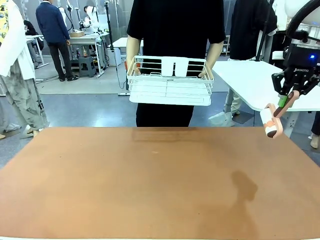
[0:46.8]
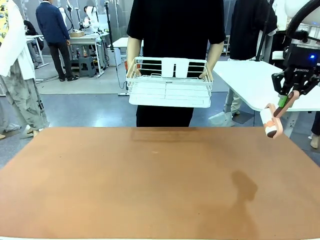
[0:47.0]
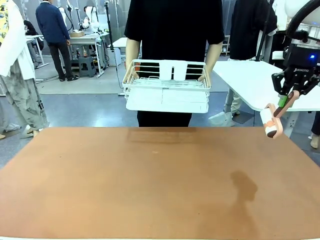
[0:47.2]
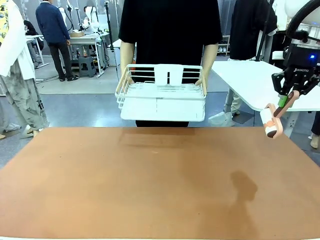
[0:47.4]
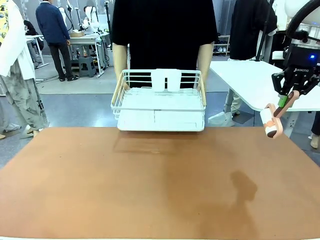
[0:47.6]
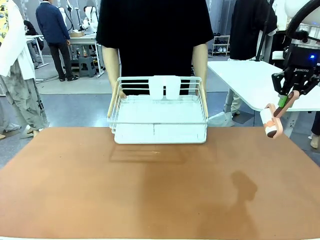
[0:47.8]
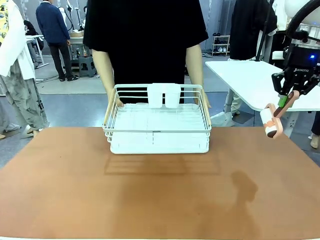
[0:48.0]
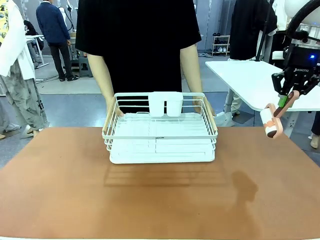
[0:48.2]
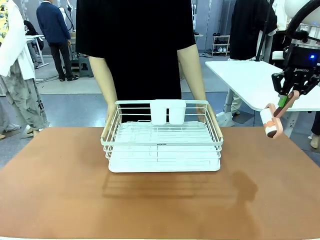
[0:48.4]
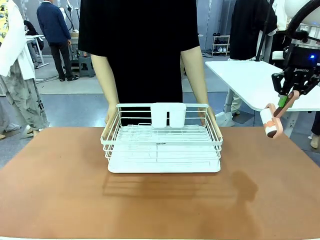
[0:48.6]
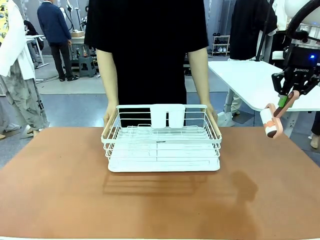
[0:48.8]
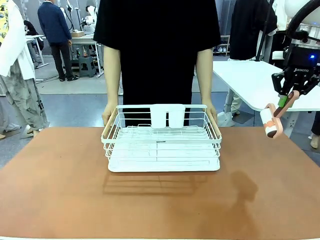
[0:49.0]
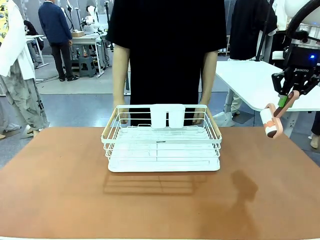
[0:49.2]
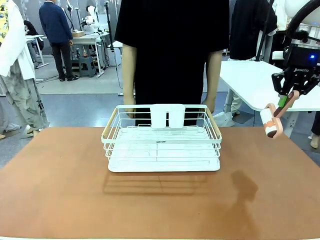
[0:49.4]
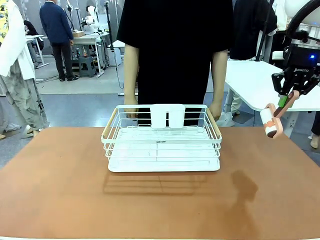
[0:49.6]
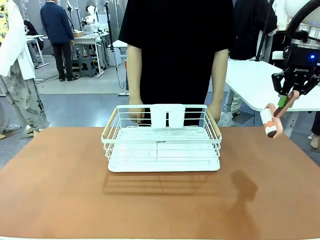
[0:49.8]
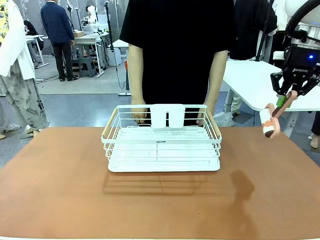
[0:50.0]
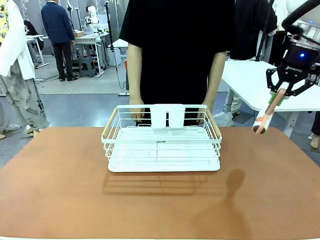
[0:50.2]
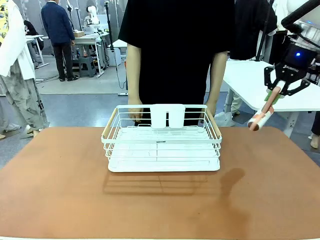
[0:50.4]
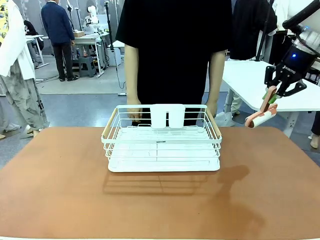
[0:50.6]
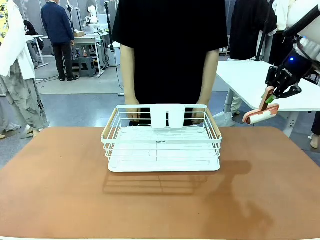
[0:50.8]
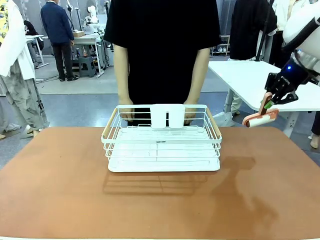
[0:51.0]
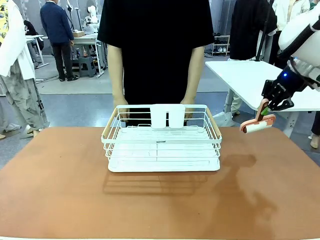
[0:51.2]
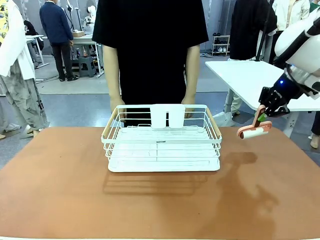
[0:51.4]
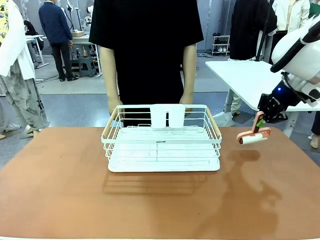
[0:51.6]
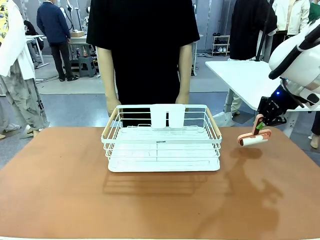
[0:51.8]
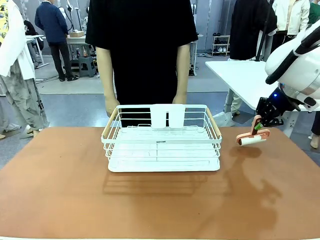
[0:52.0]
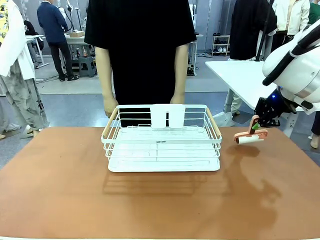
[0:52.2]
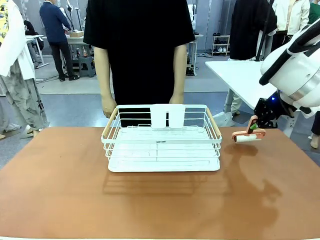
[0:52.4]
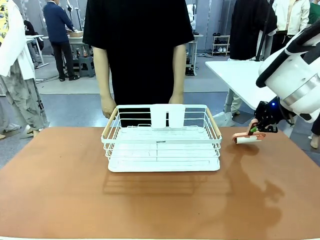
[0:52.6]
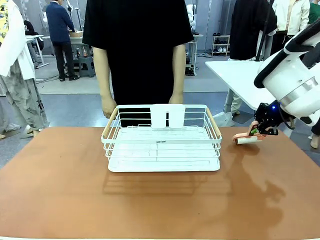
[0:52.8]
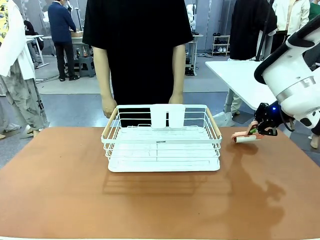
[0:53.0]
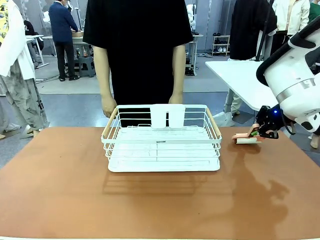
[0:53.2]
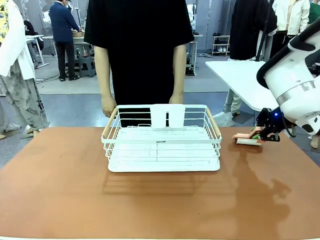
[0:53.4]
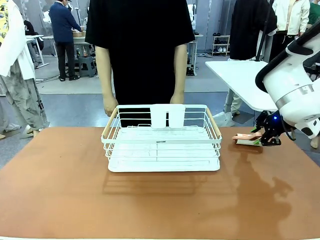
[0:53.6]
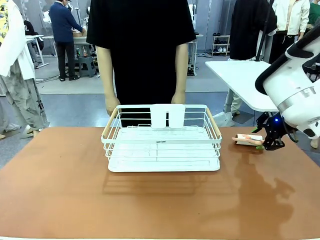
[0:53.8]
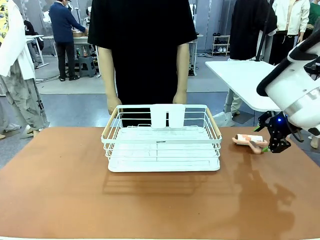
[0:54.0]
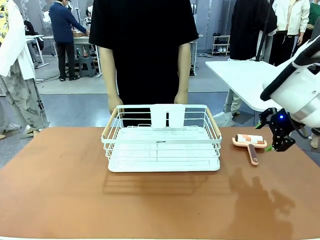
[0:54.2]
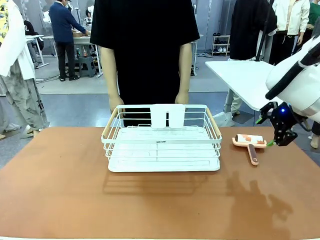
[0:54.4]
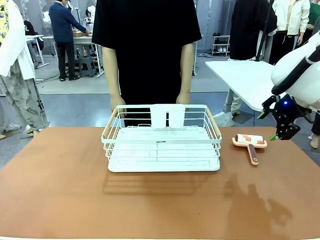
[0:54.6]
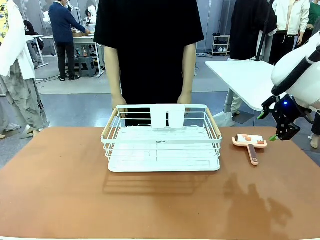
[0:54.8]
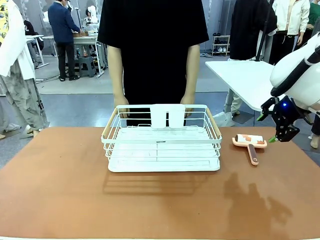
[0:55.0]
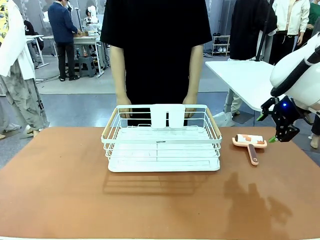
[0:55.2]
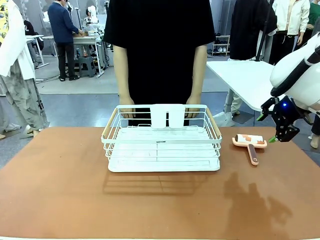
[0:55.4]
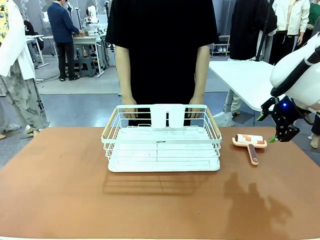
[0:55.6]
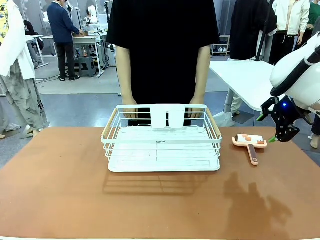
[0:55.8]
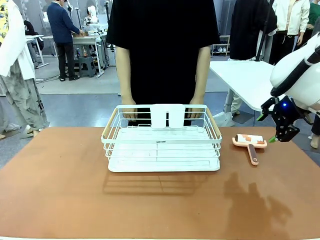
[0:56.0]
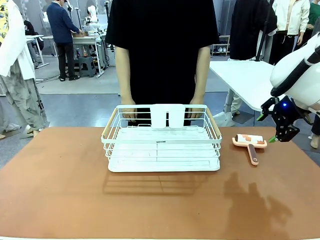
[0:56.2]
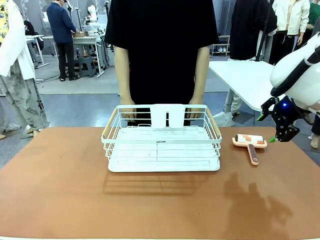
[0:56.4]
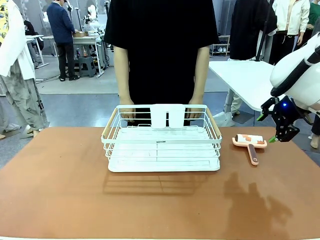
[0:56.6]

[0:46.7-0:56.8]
Task: Clean the table.
Robot: Place the Lint Roller down when the Dish drying rack is positioned in the middle of the table.

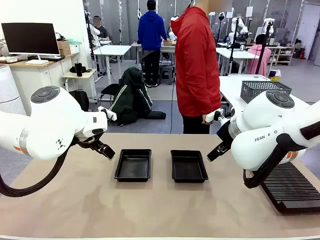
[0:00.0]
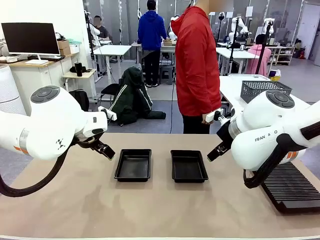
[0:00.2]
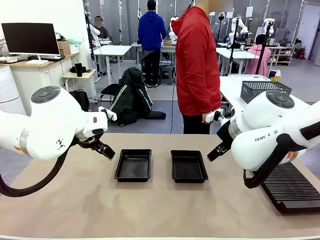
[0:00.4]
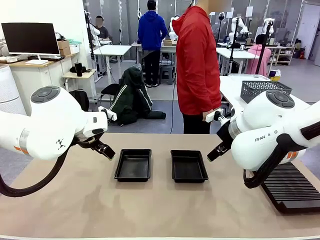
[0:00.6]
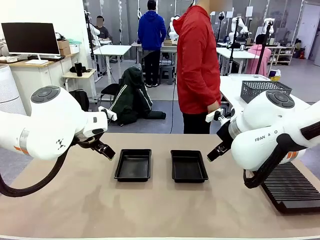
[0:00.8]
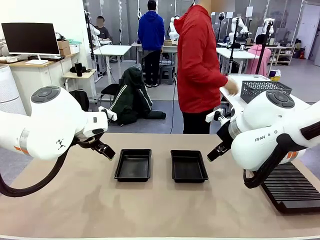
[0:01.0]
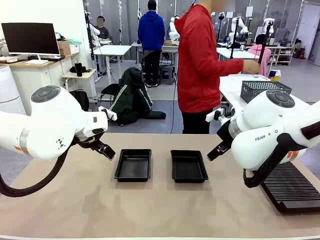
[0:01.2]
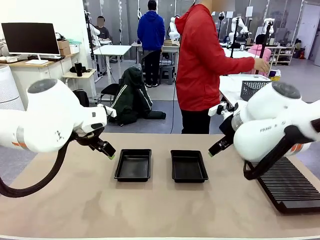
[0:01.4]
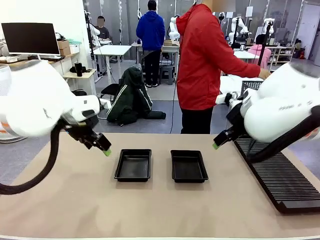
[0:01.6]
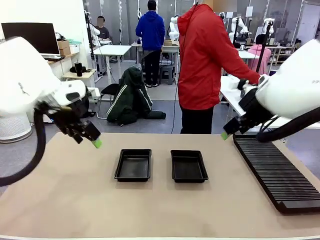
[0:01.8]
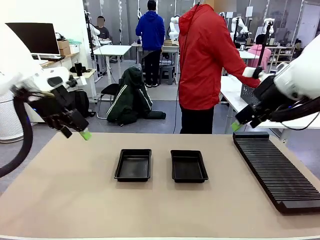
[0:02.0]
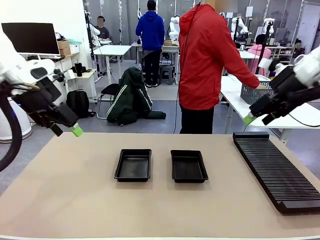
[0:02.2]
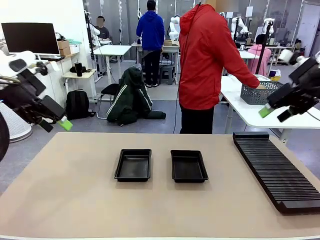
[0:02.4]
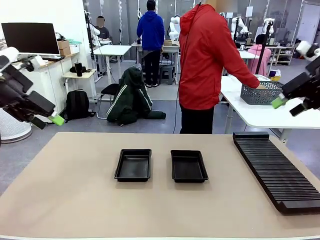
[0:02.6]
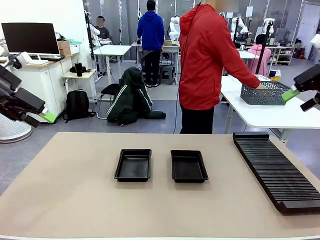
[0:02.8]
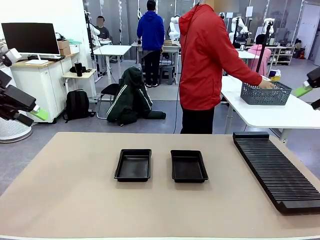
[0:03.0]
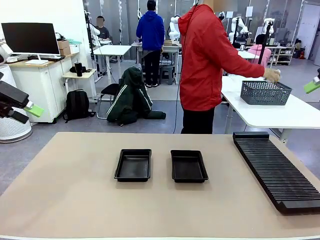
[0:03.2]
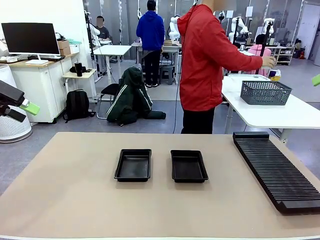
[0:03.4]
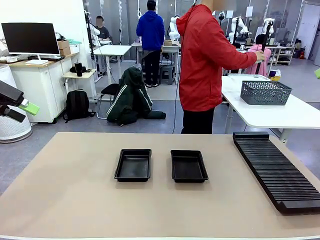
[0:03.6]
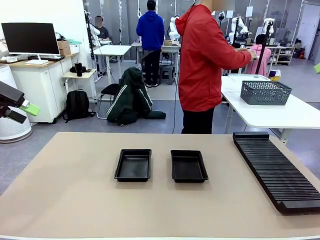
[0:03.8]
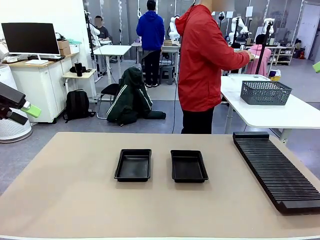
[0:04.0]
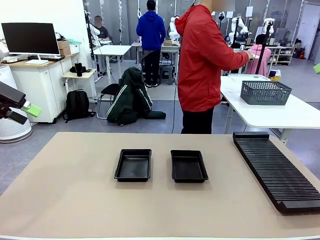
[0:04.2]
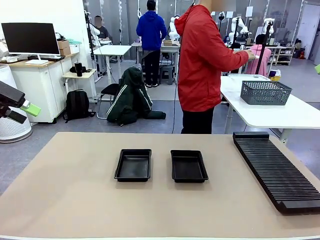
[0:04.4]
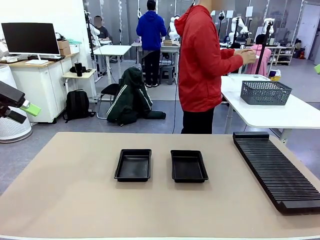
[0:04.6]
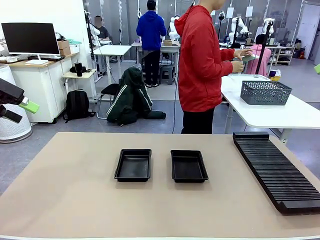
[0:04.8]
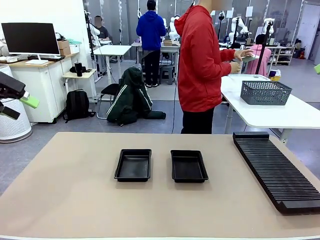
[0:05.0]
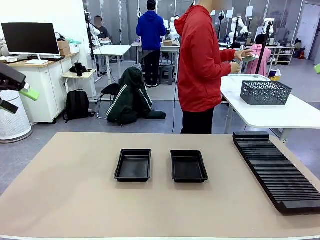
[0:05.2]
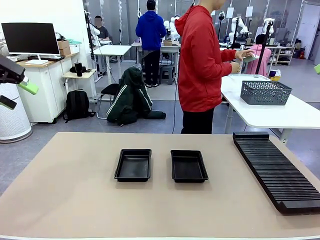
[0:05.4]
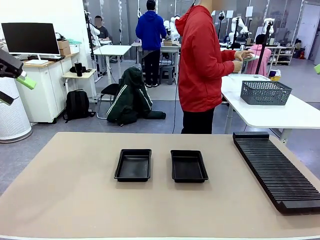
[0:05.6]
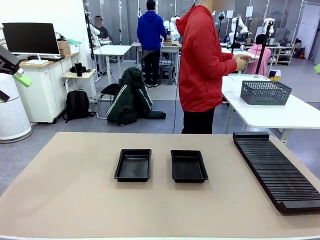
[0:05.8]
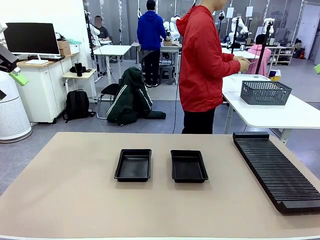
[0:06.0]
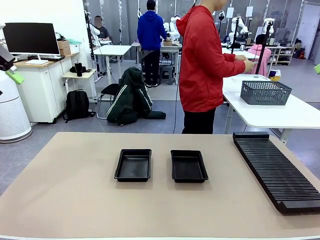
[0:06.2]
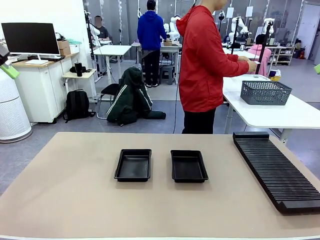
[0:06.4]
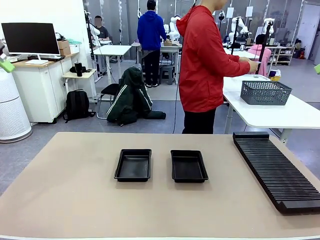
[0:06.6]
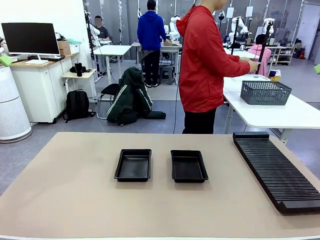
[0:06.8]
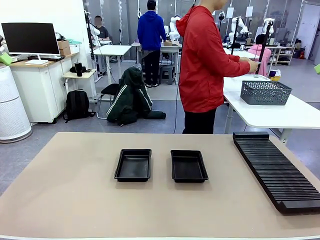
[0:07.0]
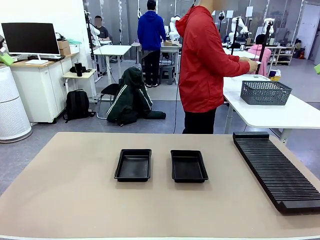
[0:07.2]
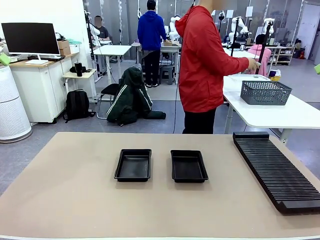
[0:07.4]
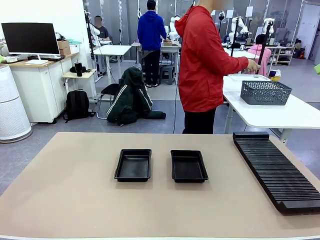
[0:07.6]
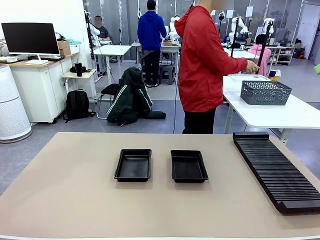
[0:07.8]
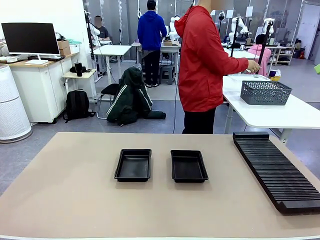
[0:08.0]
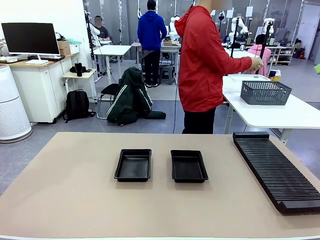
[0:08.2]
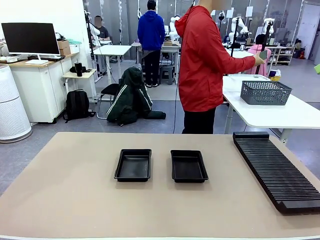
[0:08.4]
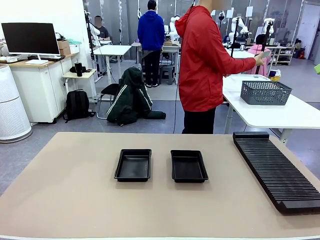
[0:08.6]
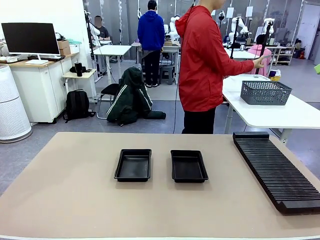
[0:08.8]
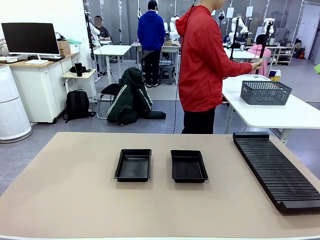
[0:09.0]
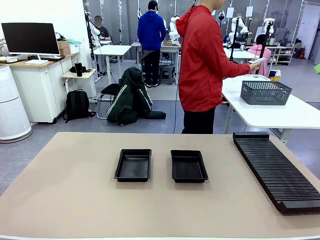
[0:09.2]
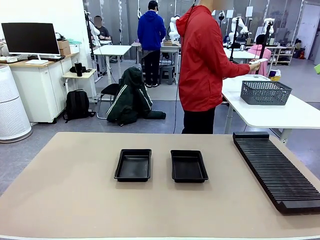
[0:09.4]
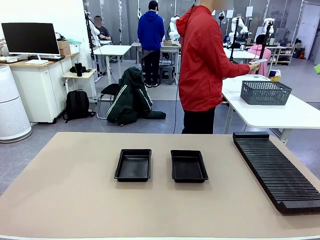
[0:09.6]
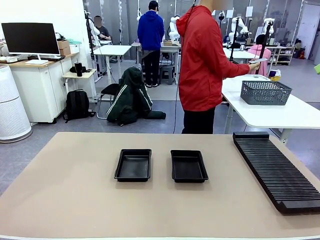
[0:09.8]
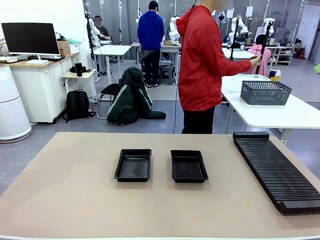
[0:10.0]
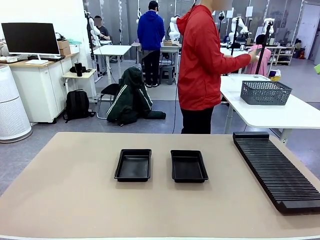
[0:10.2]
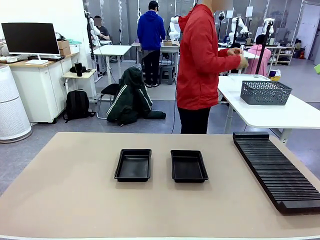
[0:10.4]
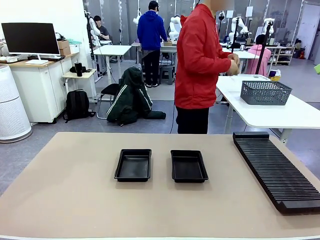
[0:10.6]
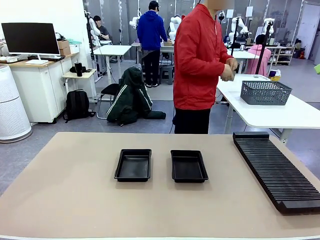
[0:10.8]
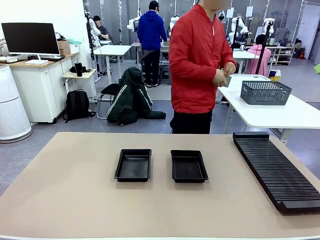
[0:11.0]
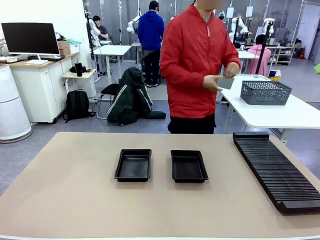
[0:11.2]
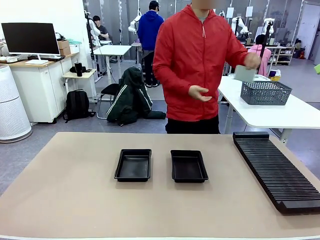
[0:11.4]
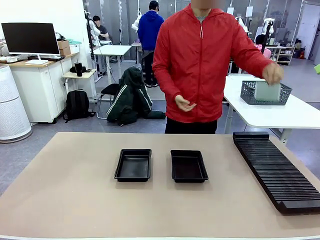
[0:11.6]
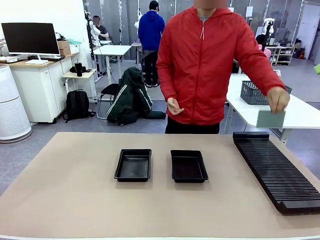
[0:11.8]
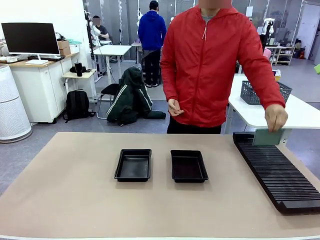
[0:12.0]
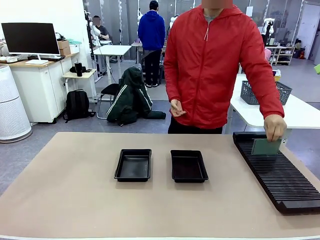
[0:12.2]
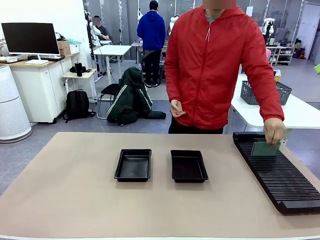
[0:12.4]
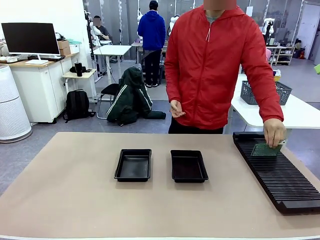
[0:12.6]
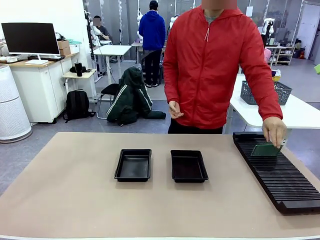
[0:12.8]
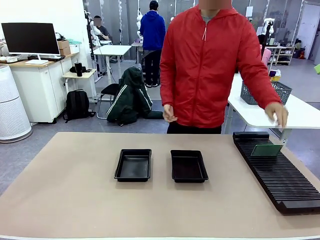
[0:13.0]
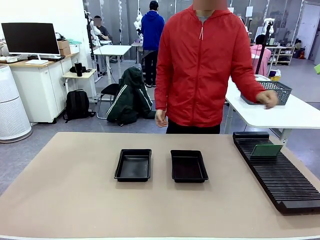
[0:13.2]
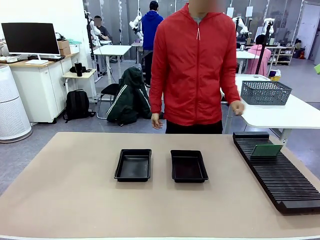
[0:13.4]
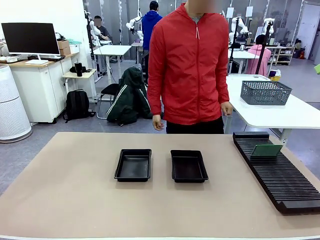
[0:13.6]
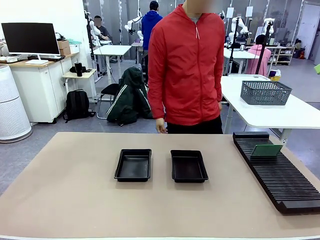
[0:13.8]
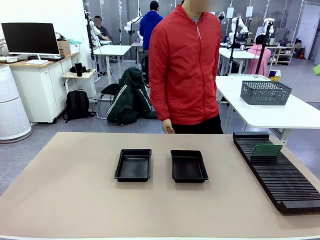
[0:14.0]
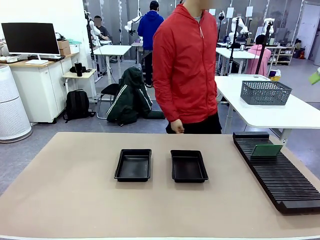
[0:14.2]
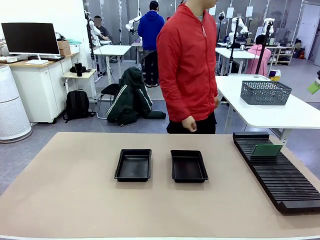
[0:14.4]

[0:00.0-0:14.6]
Task: Inspect and transfer BCBs to ESD trays.
Robot: Pick up the Blank PCB from the PCB Rack and place it in the left ESD tray.
